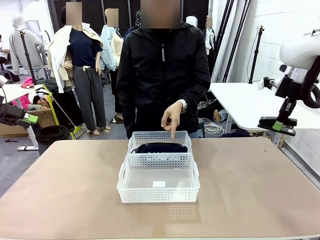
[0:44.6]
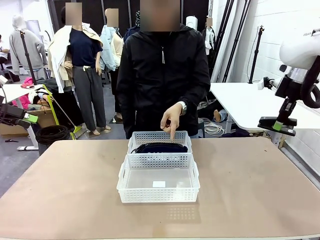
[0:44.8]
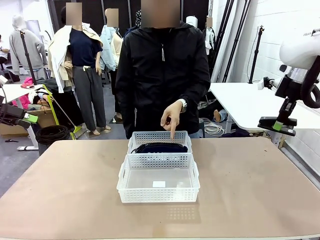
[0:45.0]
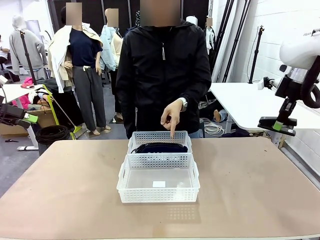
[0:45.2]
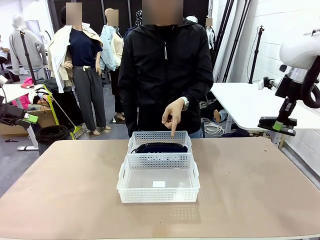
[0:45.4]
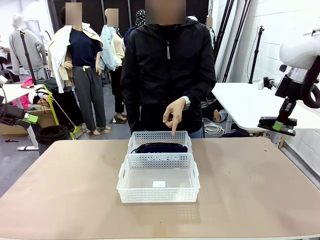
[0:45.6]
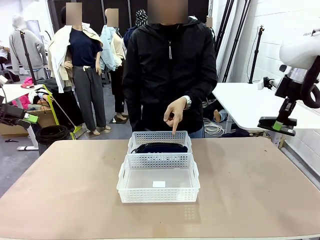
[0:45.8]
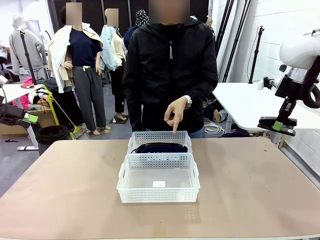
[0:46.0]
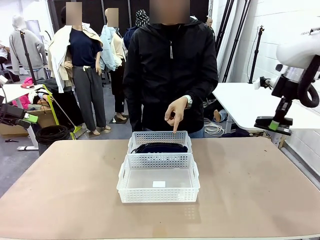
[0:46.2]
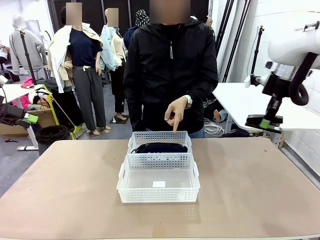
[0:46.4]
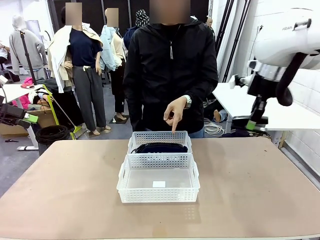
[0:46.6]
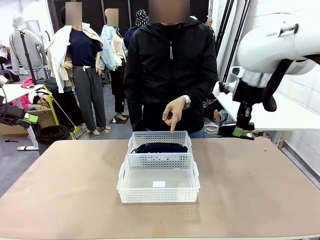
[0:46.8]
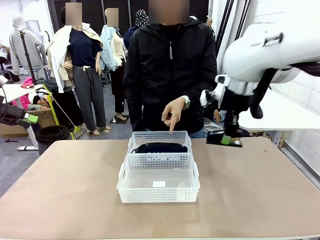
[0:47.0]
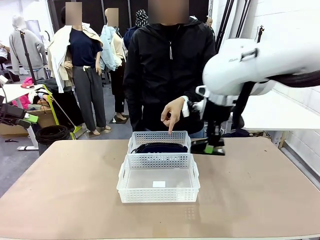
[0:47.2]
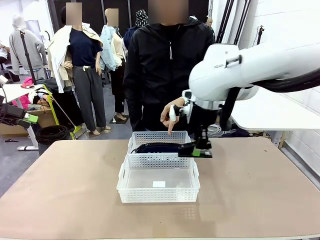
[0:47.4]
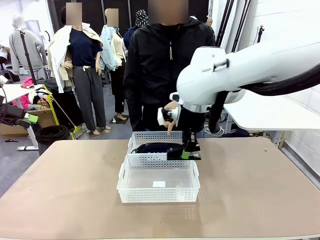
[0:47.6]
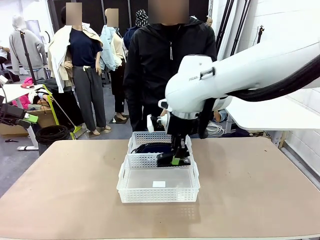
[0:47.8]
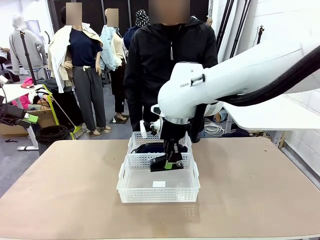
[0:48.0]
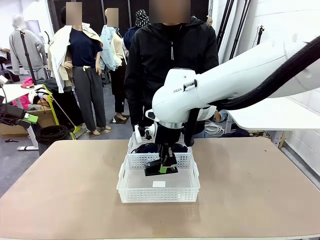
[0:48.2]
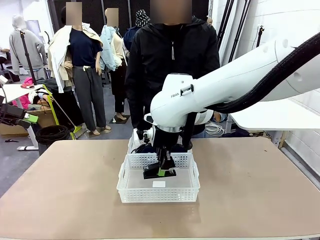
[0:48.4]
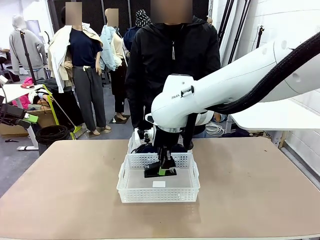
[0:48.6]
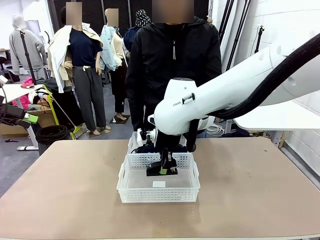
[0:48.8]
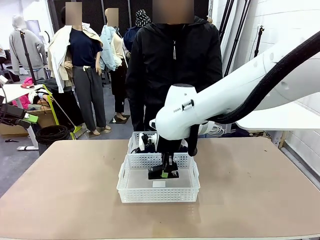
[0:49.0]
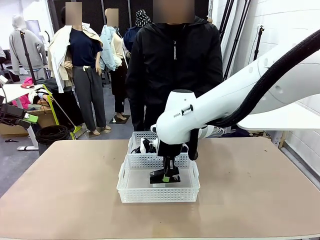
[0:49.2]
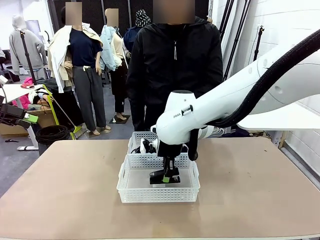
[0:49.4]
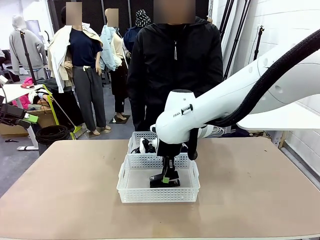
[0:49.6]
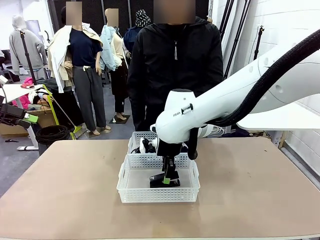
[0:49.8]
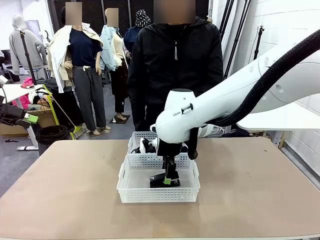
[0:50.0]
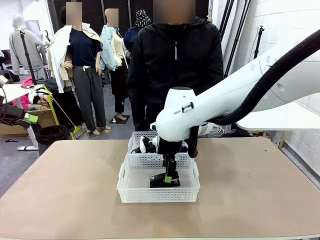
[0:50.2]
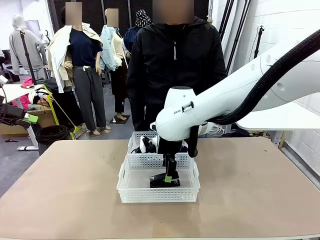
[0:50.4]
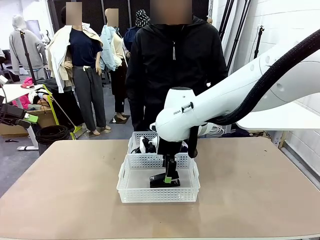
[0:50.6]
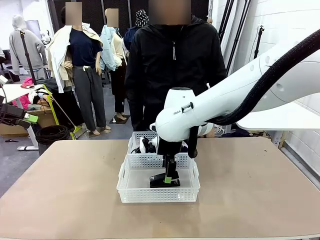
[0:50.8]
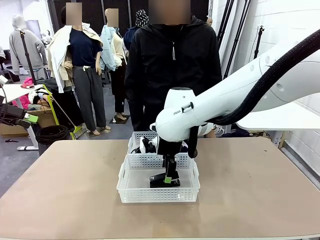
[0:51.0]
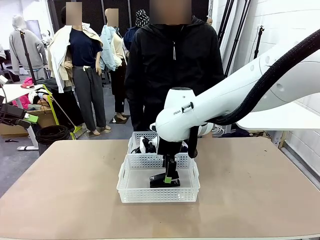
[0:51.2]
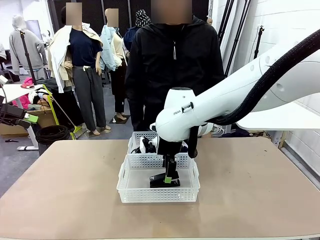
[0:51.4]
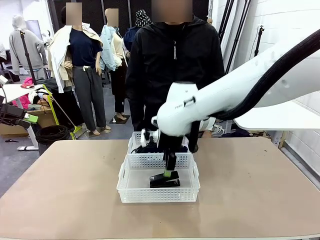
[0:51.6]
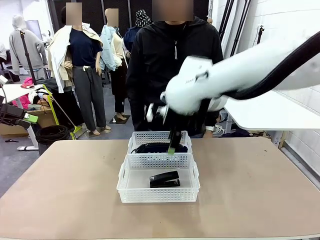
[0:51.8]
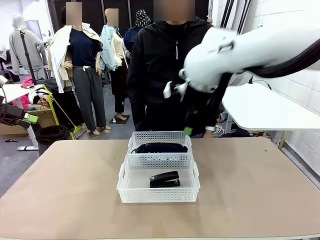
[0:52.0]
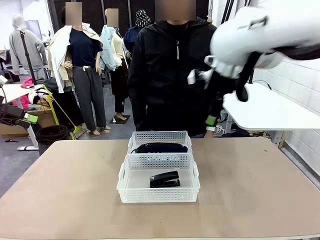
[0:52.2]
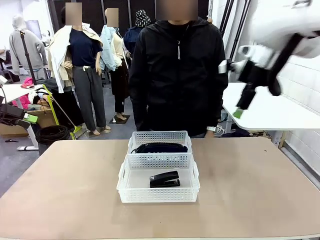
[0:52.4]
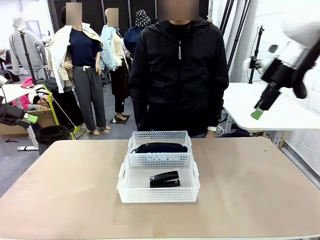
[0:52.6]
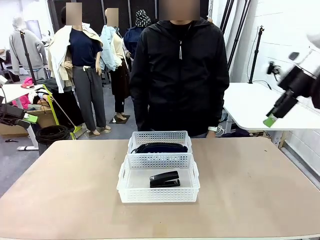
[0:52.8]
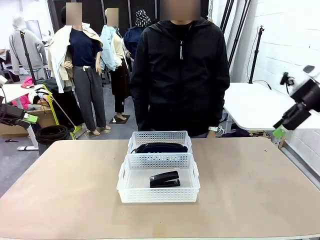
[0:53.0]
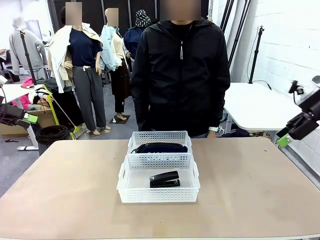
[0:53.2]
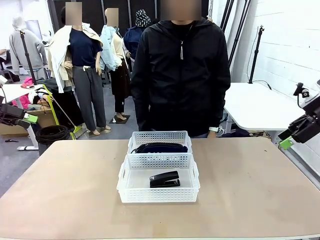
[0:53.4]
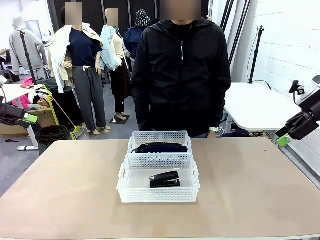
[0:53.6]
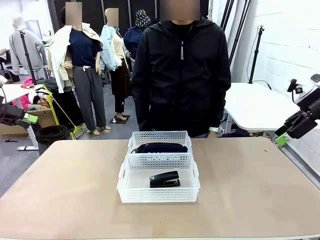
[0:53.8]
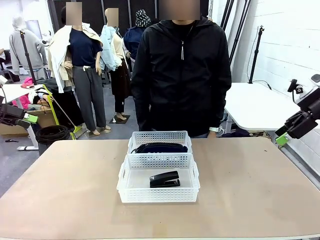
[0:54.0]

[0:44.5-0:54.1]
Task: Distribute items into two baskets.
Robot: Place the picked Stapler into the Organizing basket as instructed by the person.
Person: Points to the basket that does not contain the pencil case and instructs the robot to move the stapler there.

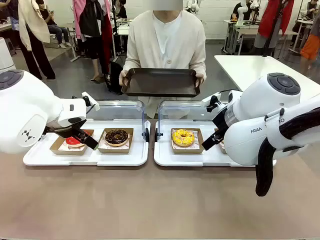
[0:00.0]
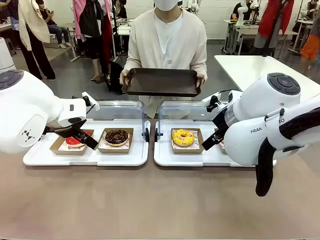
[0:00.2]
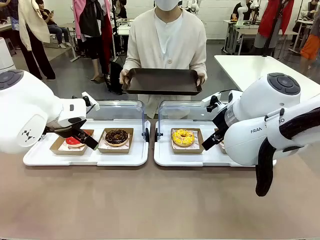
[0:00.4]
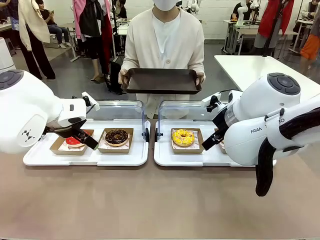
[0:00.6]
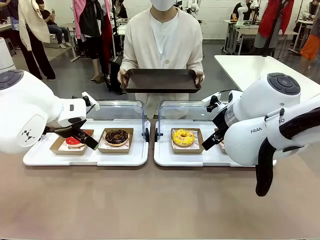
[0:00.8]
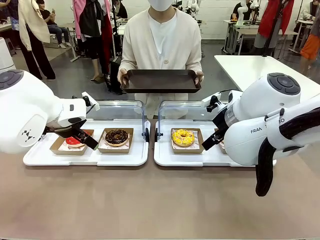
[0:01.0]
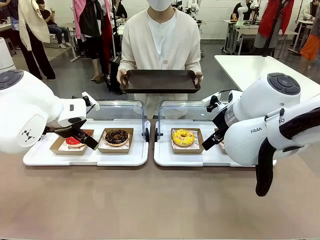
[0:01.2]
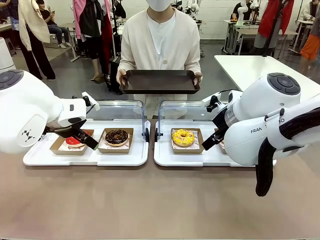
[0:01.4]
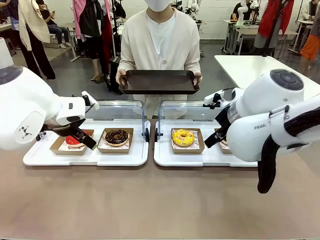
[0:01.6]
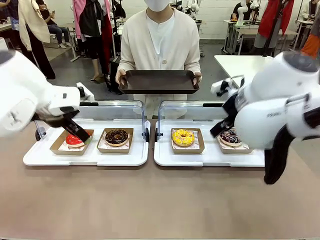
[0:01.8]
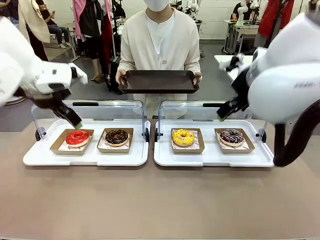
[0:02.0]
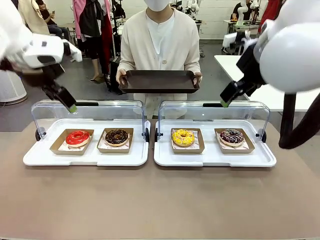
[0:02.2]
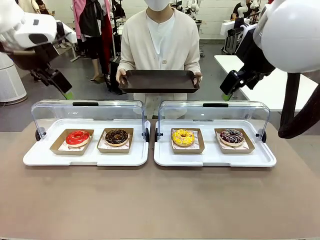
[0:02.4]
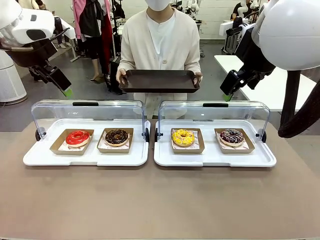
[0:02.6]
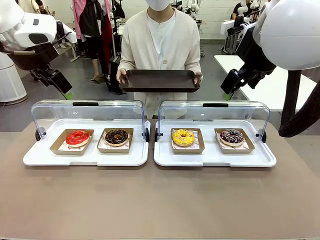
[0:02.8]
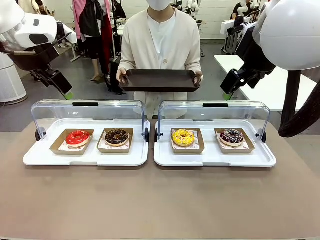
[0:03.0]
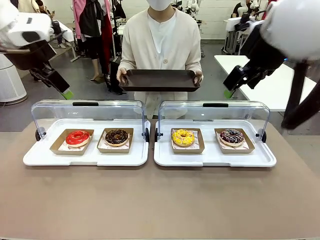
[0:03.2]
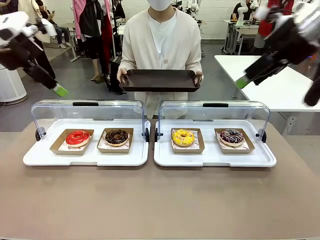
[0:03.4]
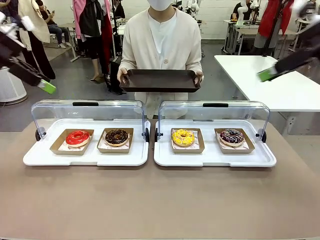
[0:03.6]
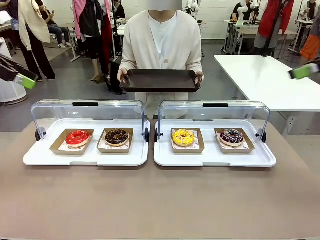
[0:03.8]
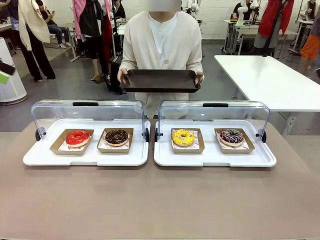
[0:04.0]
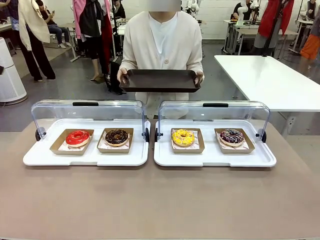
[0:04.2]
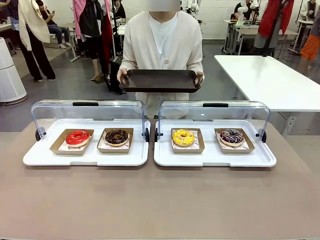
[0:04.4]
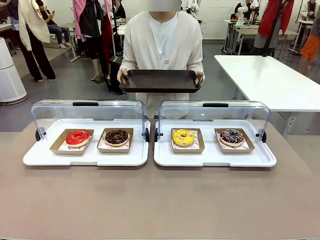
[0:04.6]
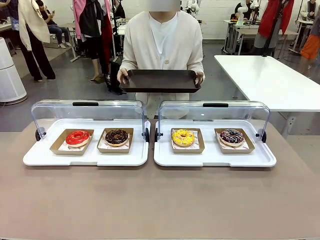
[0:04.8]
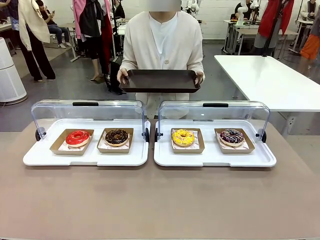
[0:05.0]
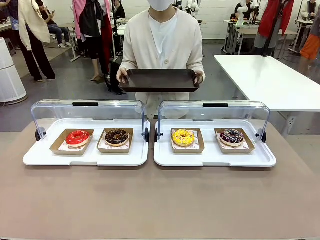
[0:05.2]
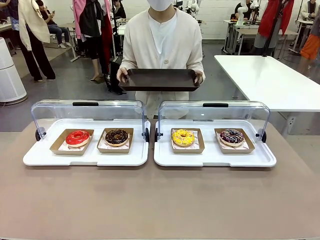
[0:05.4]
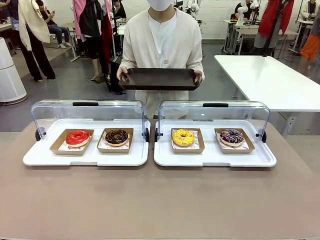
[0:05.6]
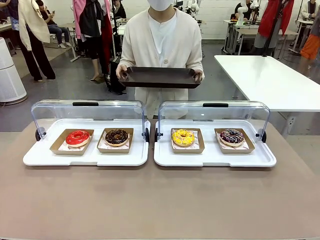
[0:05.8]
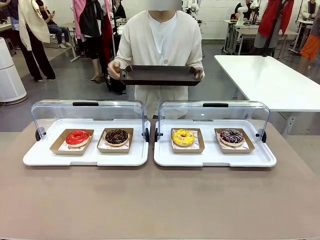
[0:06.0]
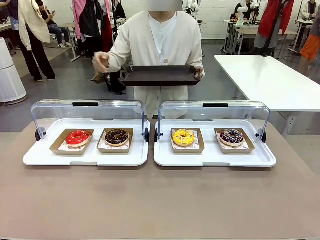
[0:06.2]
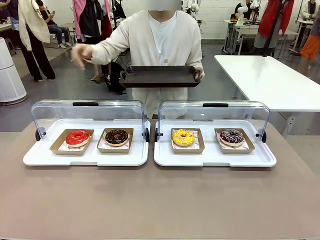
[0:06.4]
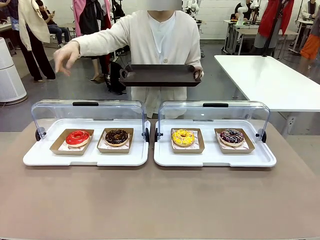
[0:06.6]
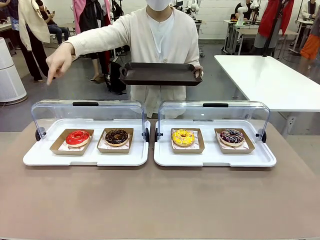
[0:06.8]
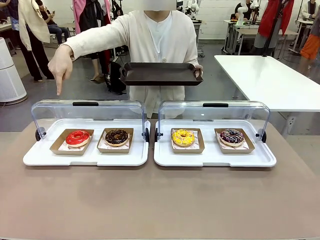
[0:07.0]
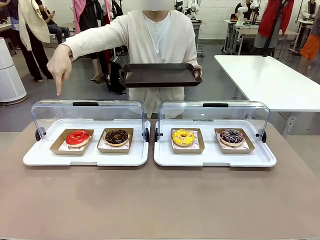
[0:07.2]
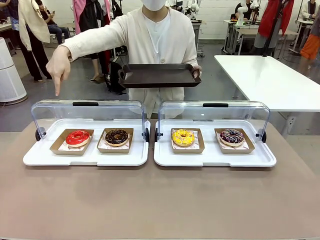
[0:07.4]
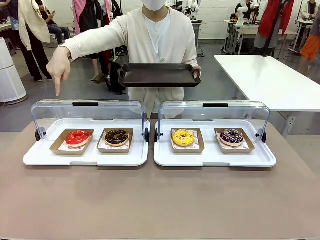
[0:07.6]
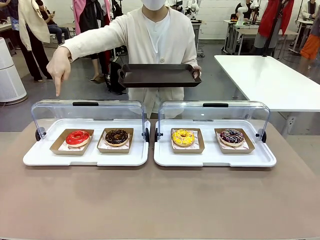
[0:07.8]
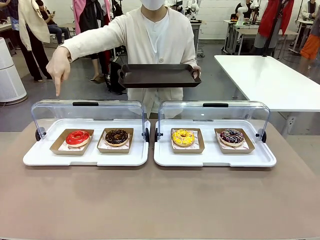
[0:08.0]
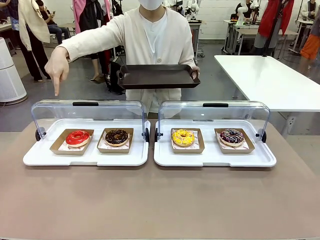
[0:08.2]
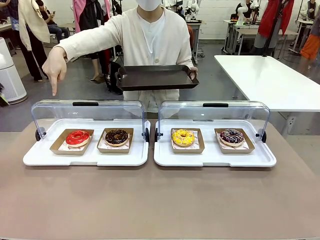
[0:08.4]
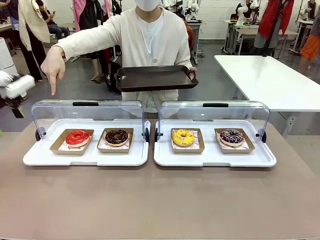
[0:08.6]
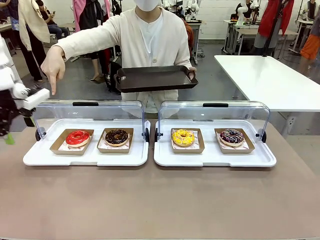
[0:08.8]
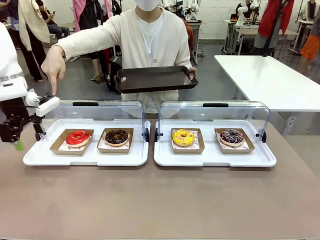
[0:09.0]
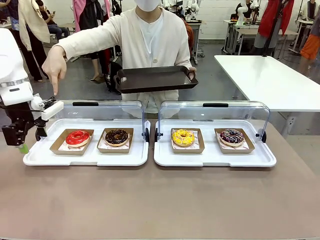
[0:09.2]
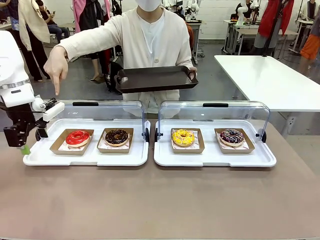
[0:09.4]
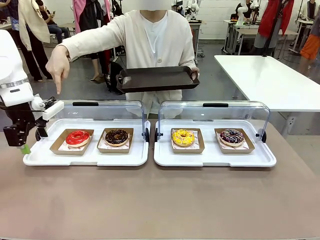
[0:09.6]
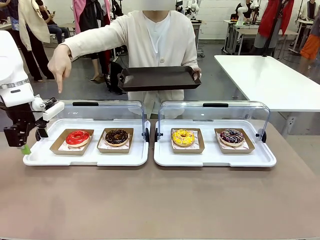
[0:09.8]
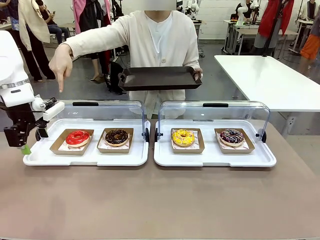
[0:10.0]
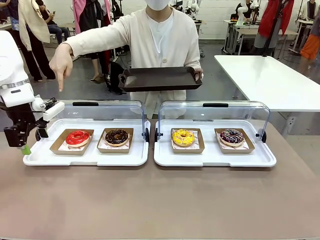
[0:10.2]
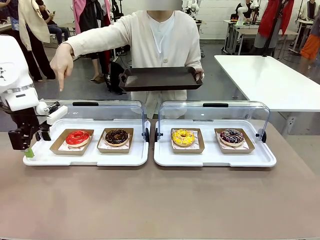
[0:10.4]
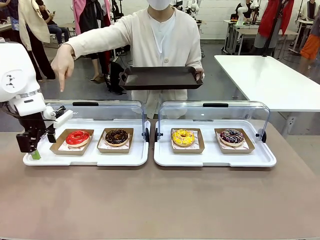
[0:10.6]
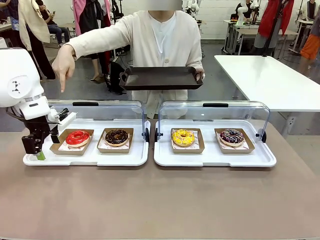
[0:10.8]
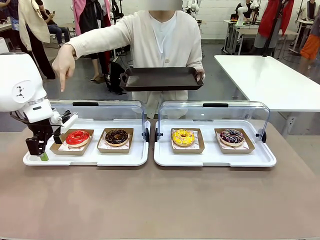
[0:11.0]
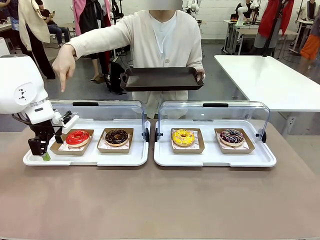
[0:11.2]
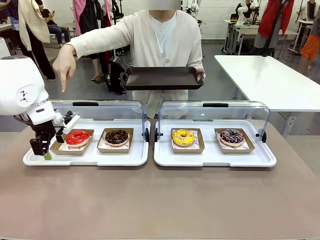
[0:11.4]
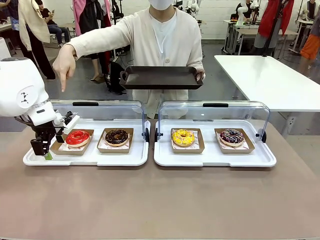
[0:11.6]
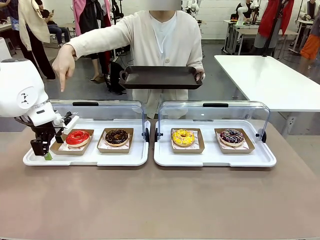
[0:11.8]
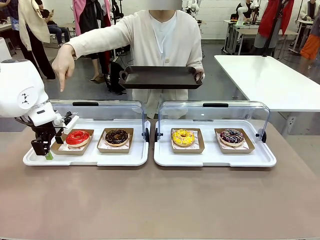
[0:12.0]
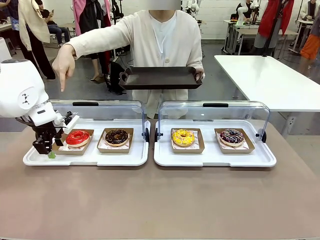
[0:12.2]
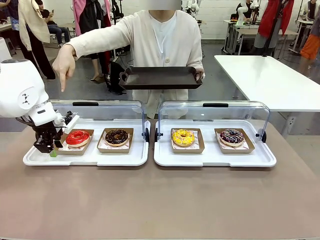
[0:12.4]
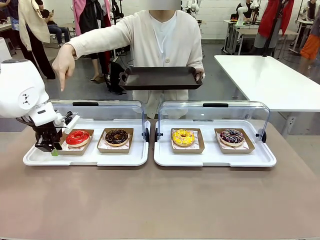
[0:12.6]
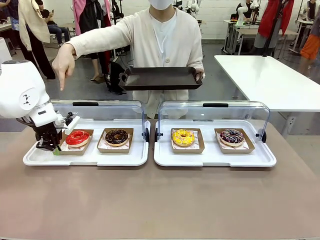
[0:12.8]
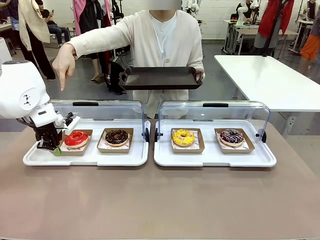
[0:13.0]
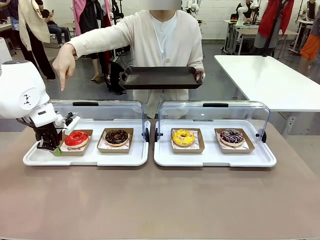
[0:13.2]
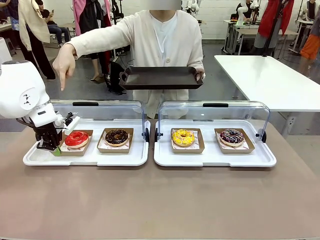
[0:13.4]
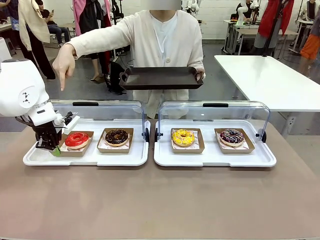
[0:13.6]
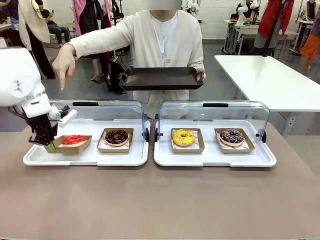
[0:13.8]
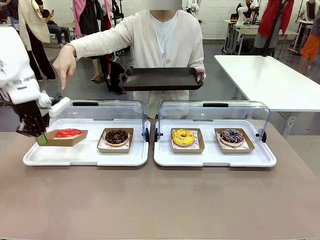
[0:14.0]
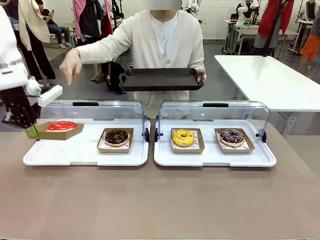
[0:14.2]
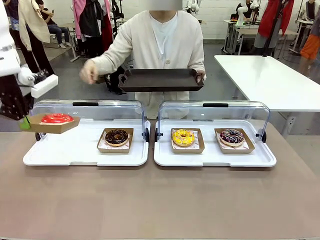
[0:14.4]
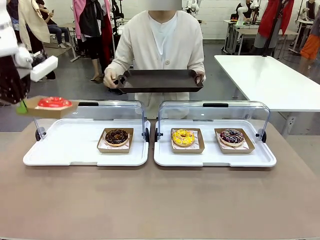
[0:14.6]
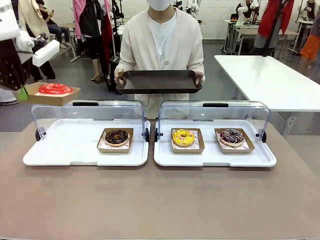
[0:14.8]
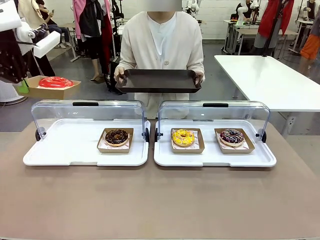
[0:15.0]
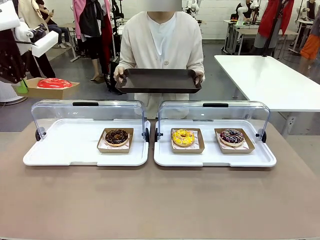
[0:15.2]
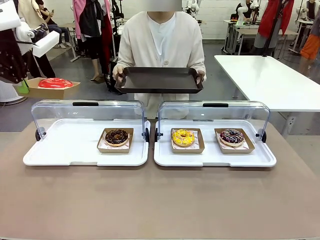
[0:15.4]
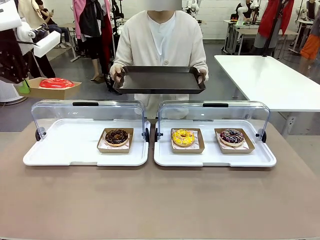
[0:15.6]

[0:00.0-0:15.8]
Task: Provide the desired donut to the person.
Robot: Pick up and lift the Paper togo box containing the Donut pointed at by the person.
Person: Point to one donut. Lift the tray onto the Roll-Top Bakery Case.
